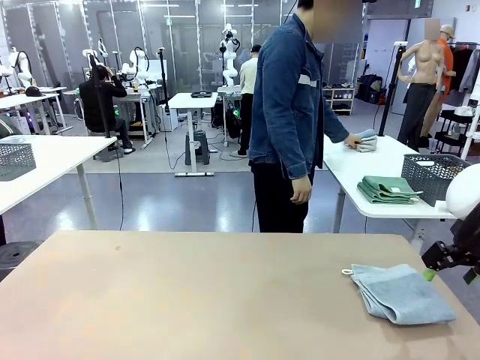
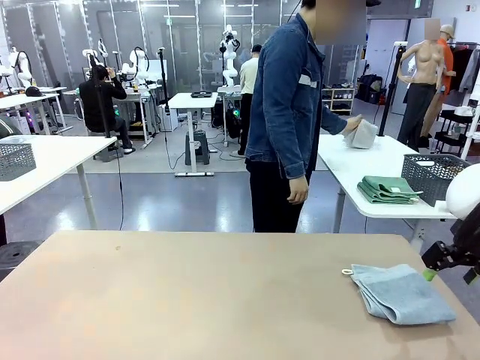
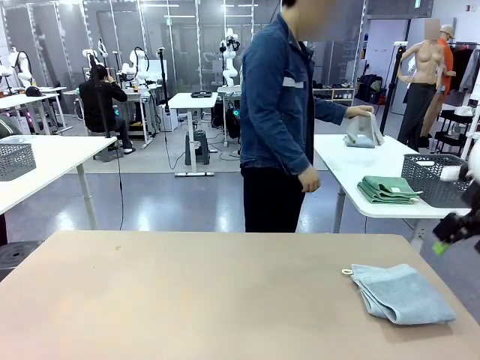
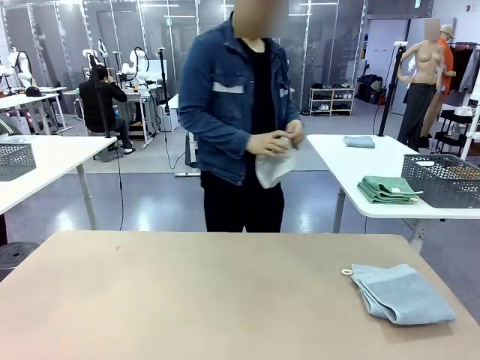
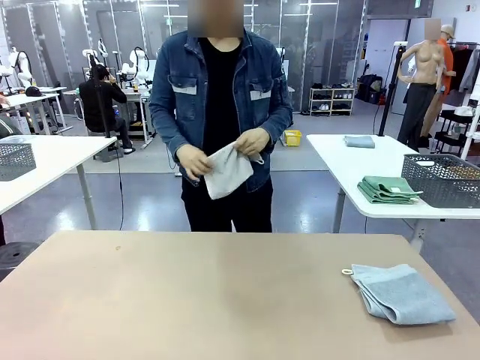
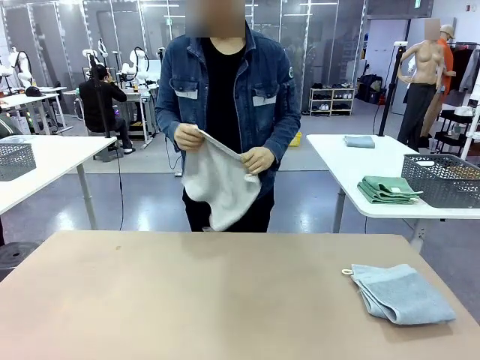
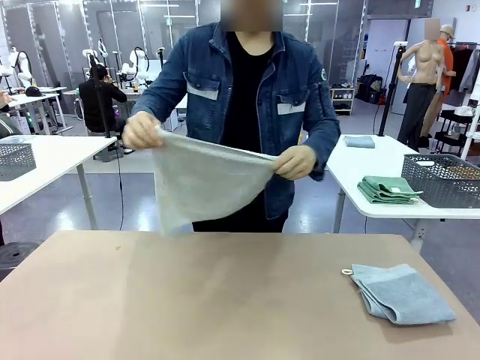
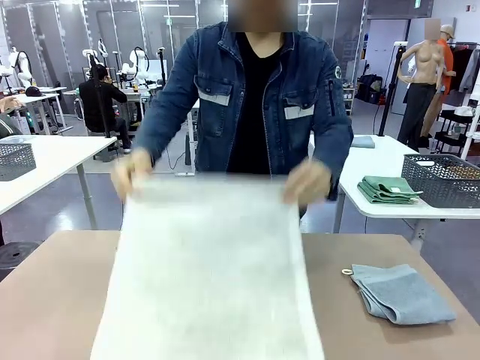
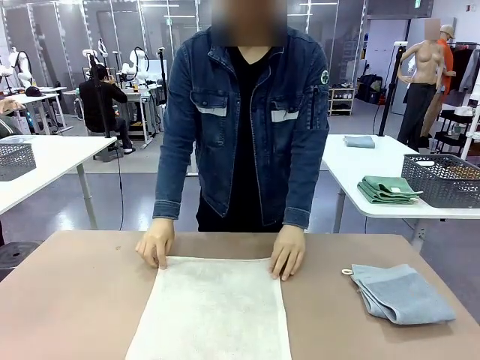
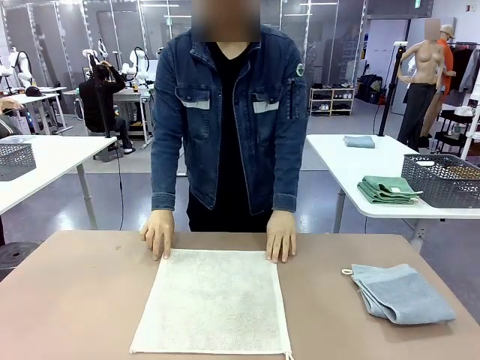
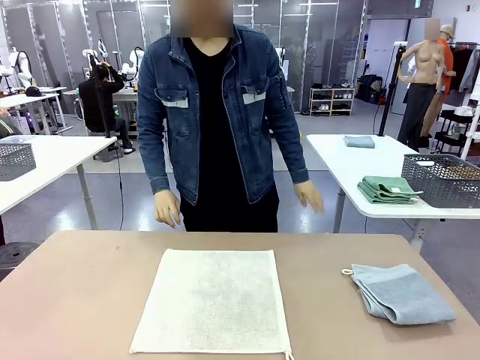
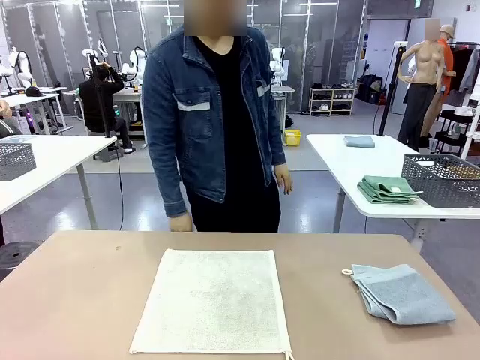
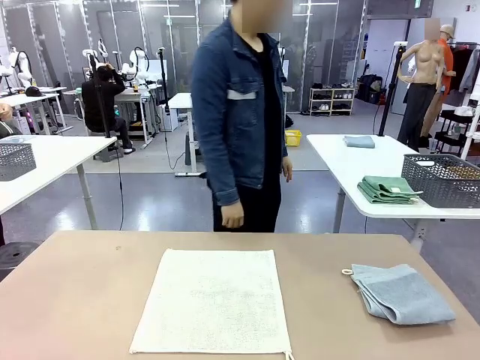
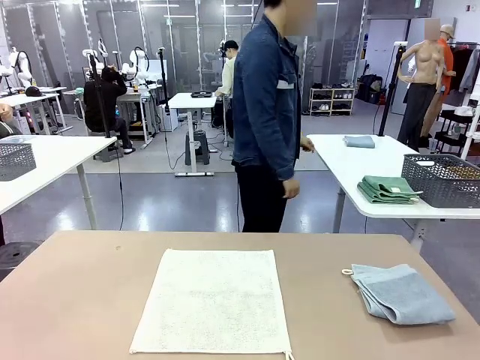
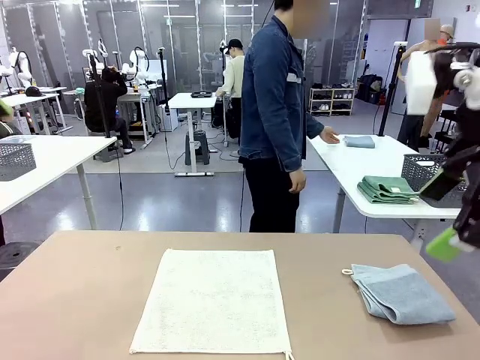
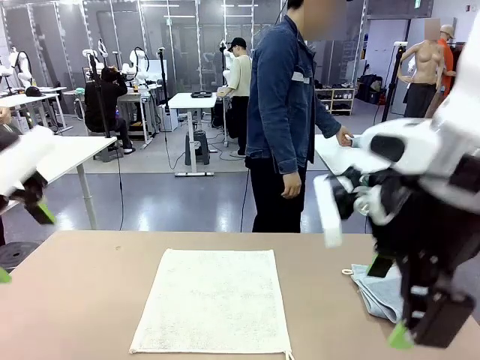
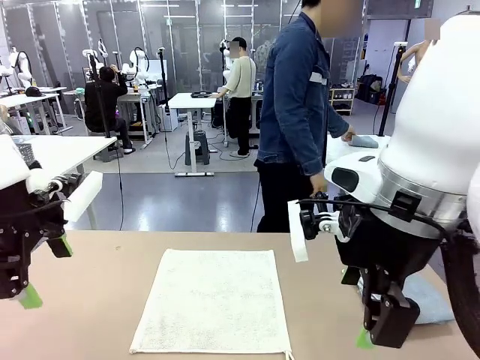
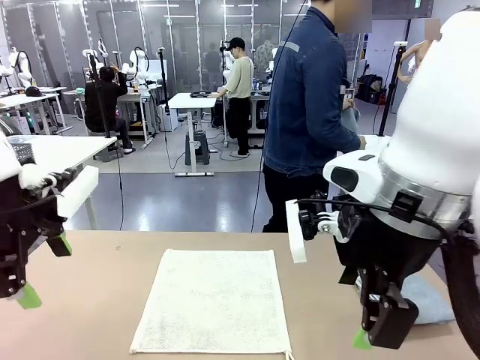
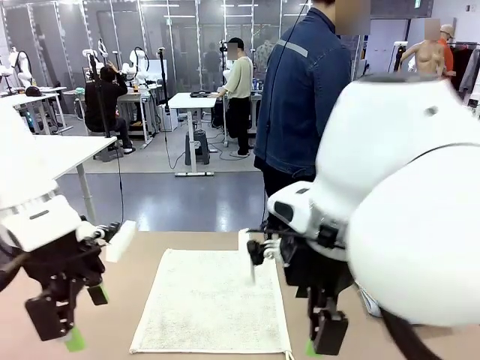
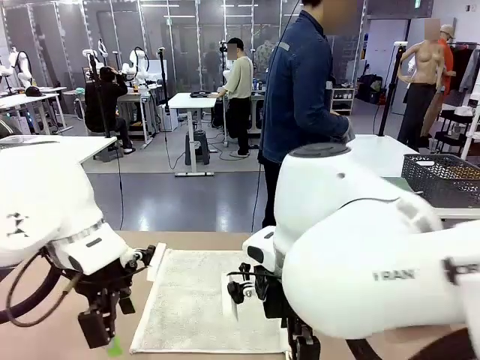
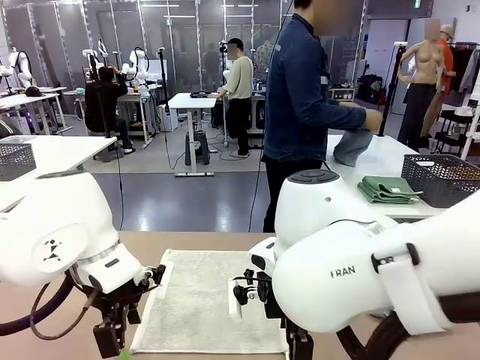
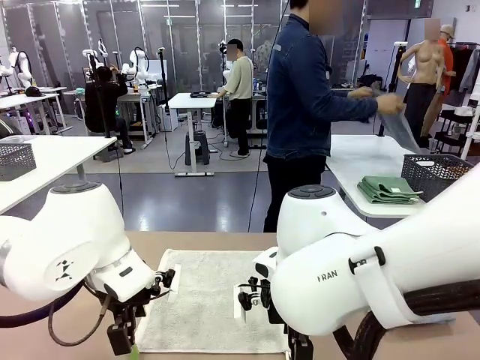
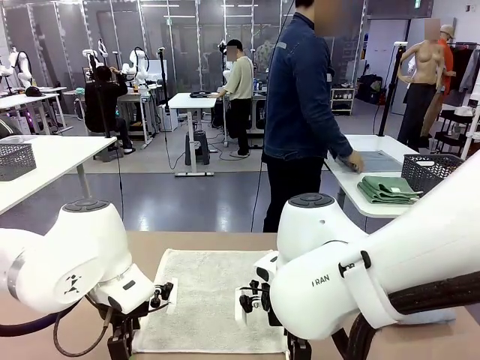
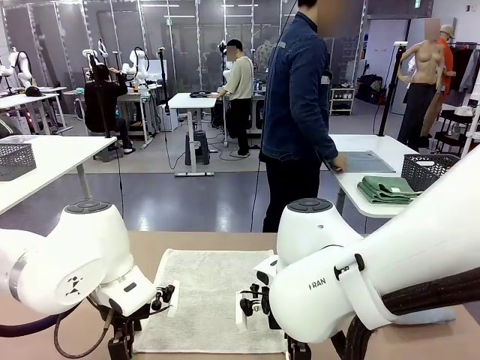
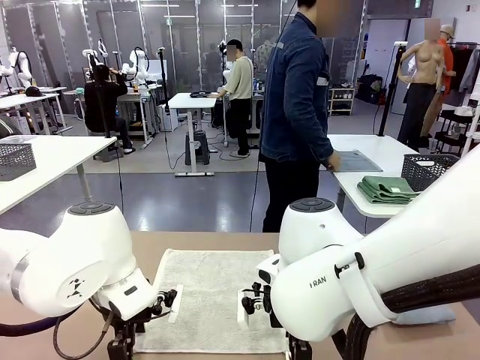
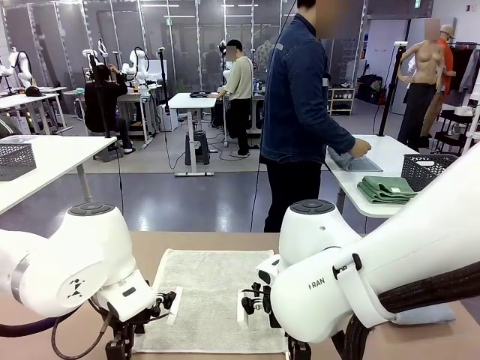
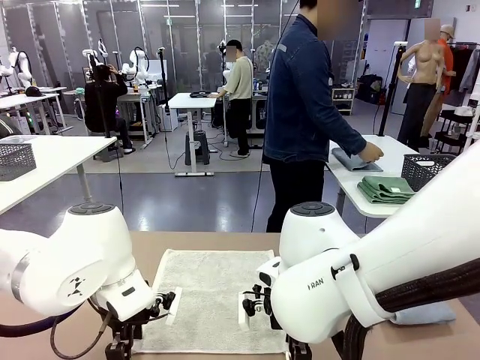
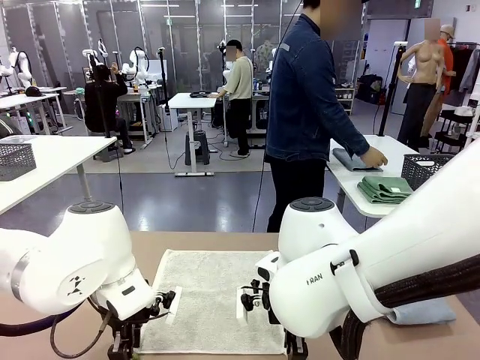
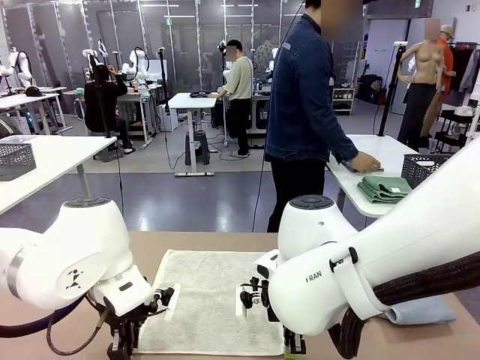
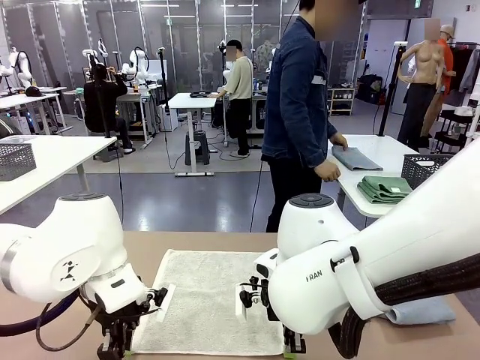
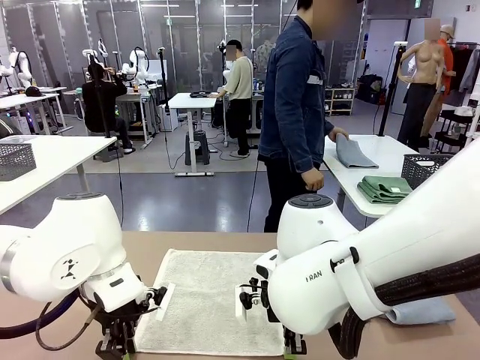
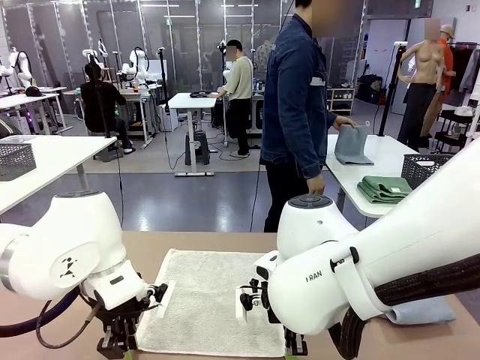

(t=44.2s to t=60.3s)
Task: Fold the towels and place them in the basket.
Robot: When a person lays out a Towel with hook on the table, fold it in half twice.
Person: Pick up one towel from the left side of the human table and spread it out at the center of the robot table. Pick up one towel from the left side of the human table, fold it in half twice, and stack it on the right side of the table.
